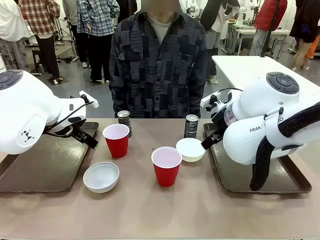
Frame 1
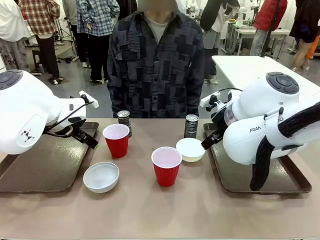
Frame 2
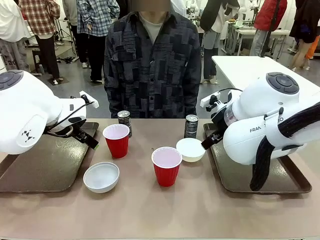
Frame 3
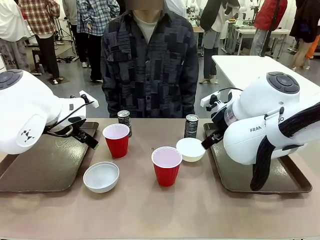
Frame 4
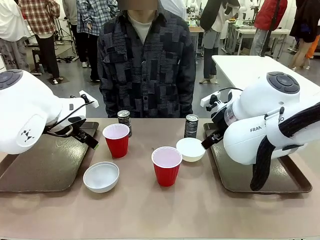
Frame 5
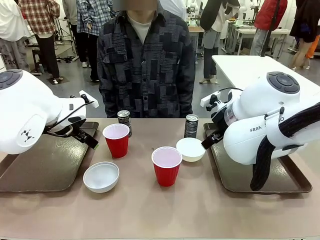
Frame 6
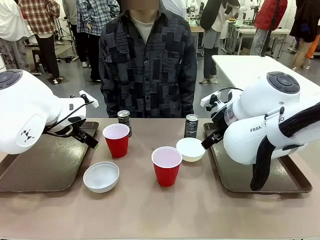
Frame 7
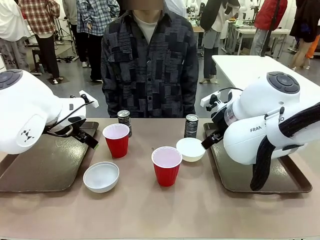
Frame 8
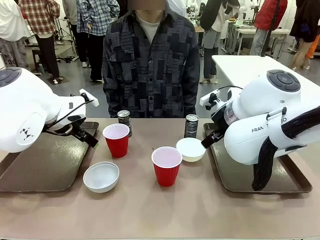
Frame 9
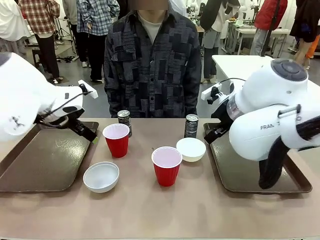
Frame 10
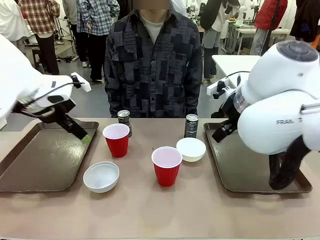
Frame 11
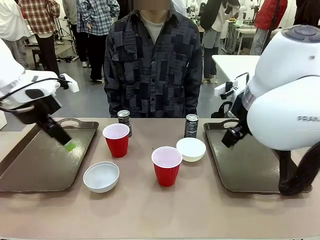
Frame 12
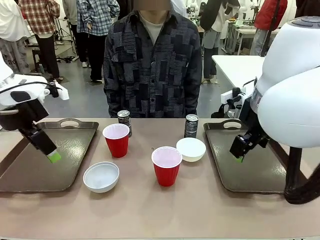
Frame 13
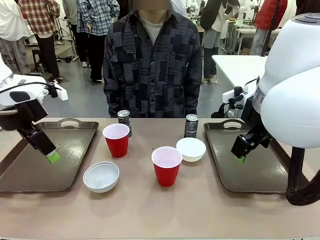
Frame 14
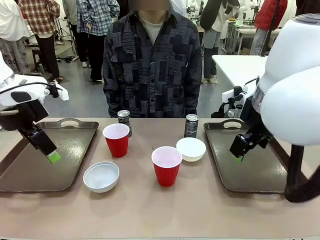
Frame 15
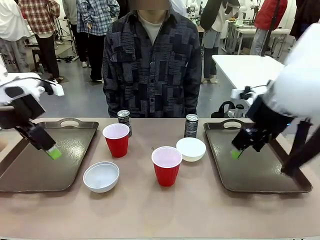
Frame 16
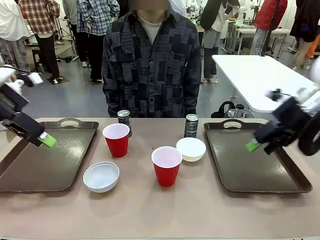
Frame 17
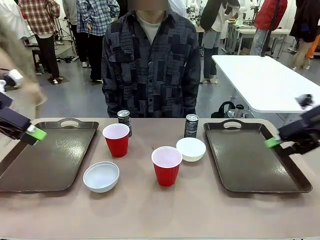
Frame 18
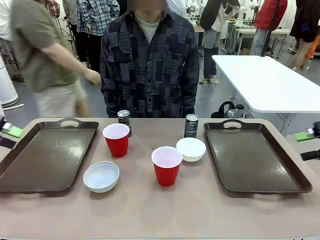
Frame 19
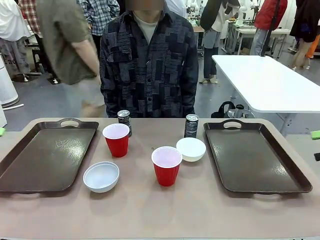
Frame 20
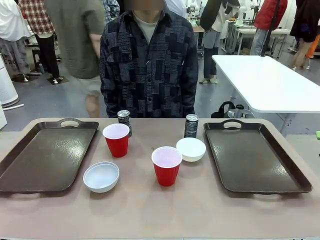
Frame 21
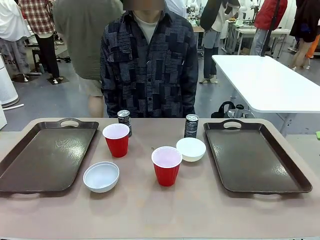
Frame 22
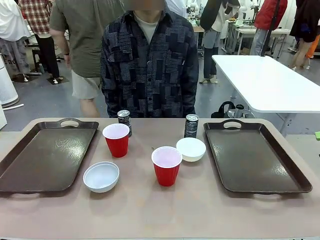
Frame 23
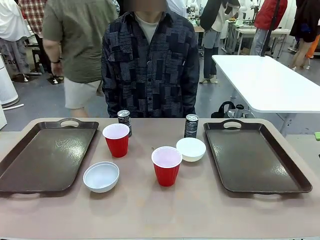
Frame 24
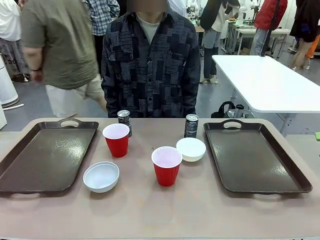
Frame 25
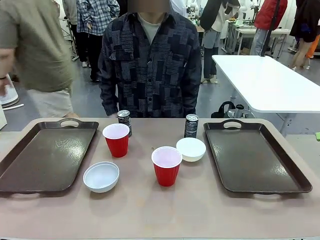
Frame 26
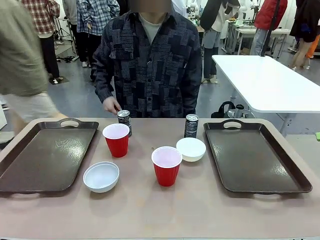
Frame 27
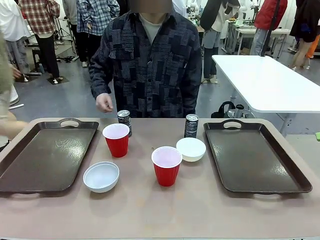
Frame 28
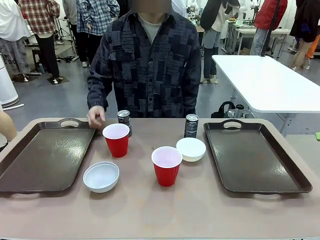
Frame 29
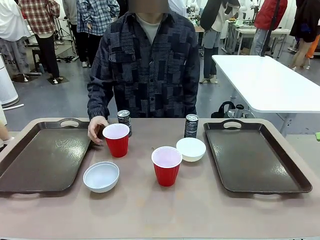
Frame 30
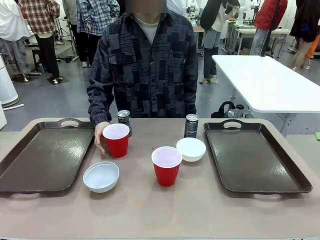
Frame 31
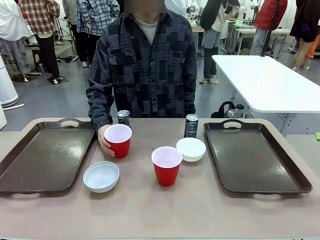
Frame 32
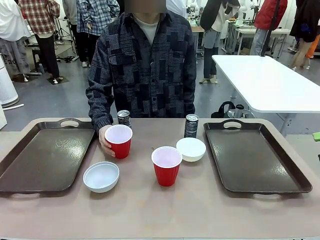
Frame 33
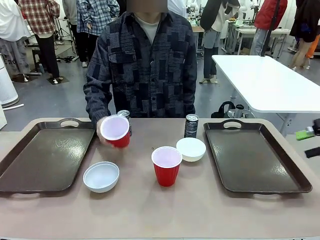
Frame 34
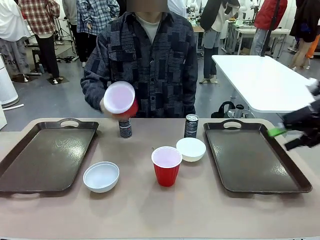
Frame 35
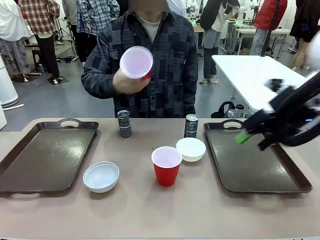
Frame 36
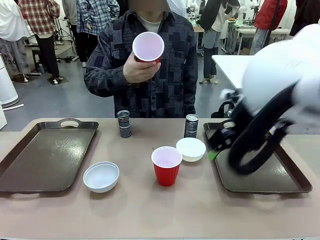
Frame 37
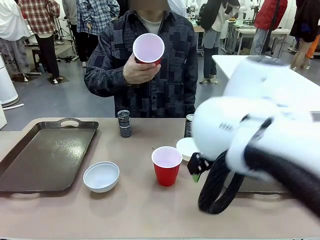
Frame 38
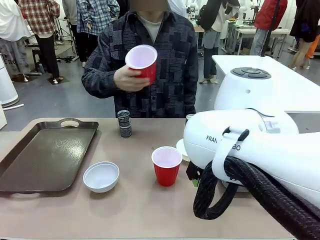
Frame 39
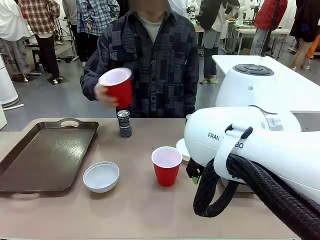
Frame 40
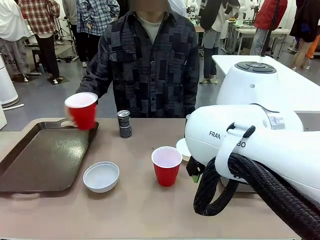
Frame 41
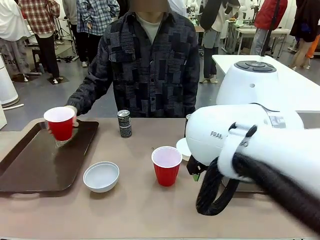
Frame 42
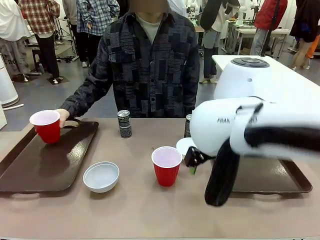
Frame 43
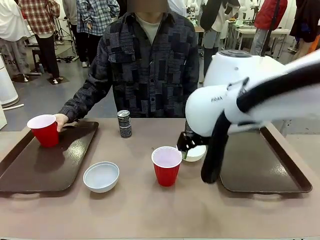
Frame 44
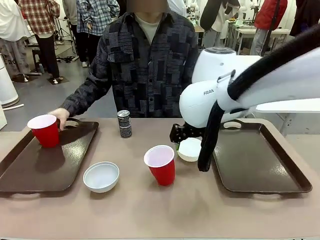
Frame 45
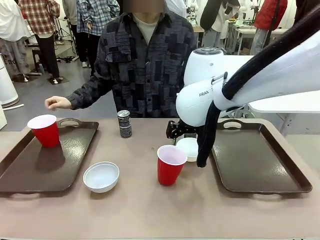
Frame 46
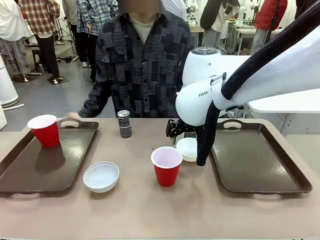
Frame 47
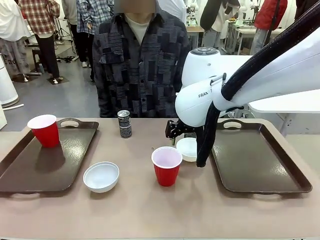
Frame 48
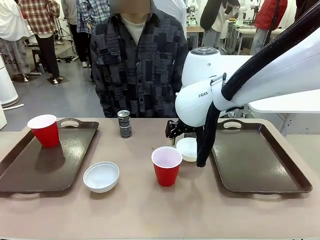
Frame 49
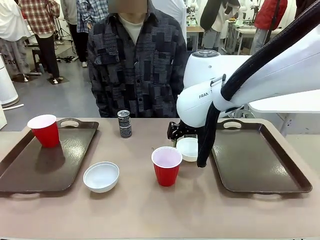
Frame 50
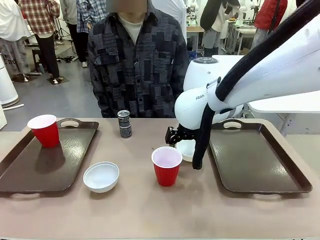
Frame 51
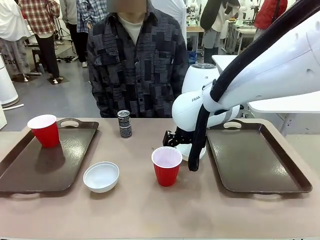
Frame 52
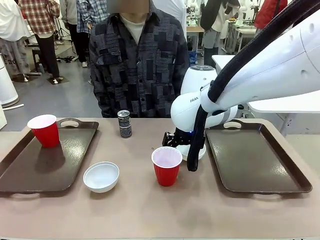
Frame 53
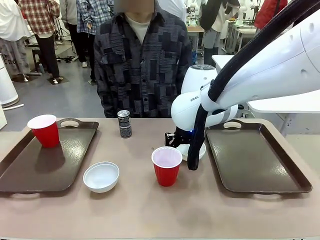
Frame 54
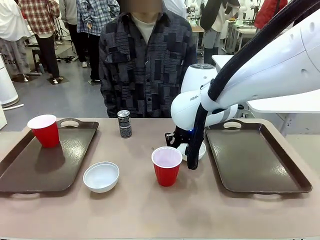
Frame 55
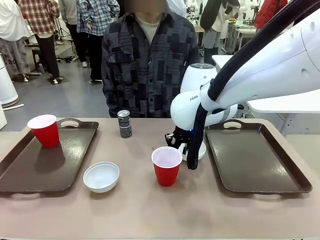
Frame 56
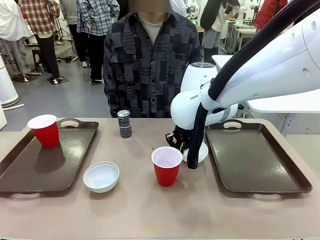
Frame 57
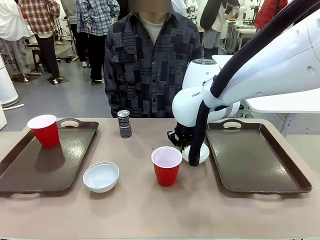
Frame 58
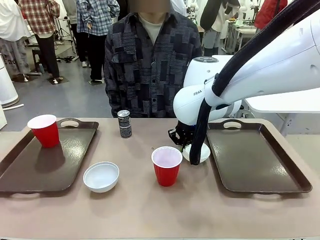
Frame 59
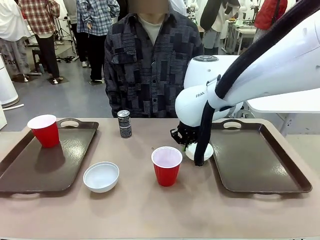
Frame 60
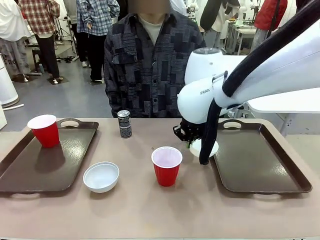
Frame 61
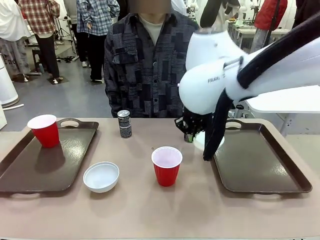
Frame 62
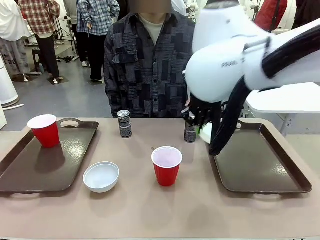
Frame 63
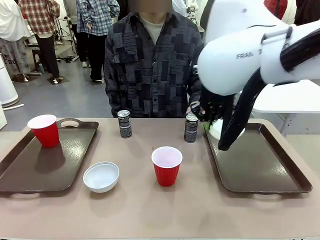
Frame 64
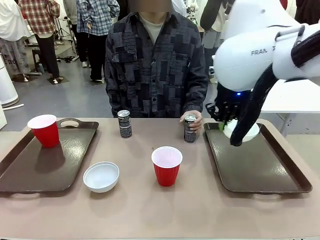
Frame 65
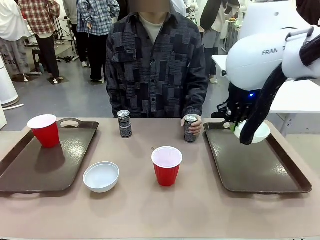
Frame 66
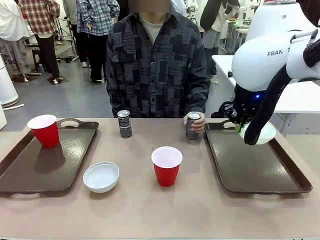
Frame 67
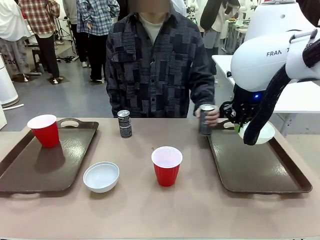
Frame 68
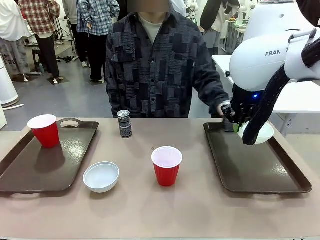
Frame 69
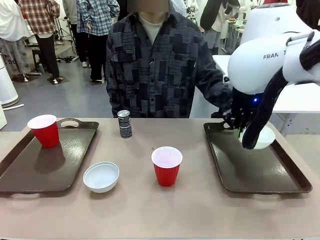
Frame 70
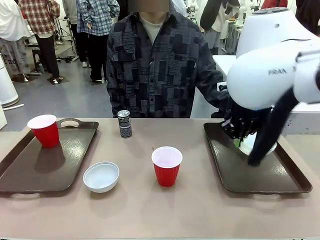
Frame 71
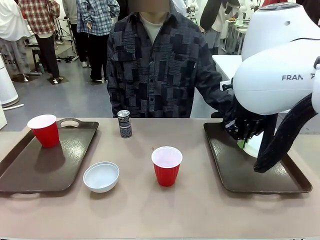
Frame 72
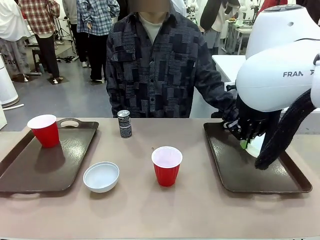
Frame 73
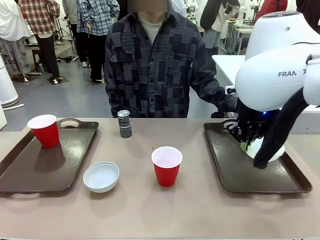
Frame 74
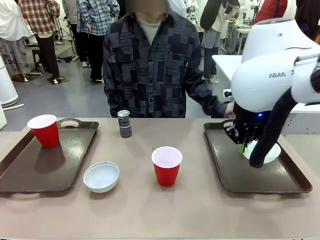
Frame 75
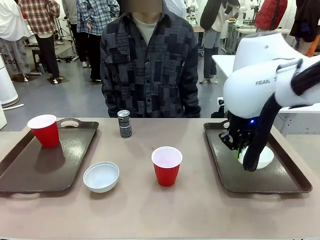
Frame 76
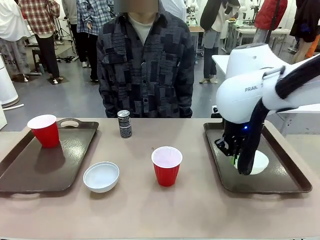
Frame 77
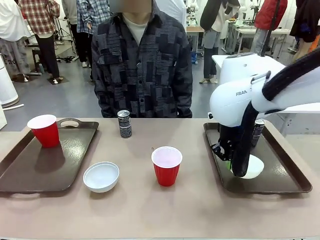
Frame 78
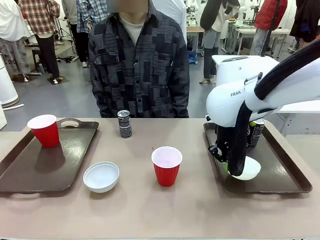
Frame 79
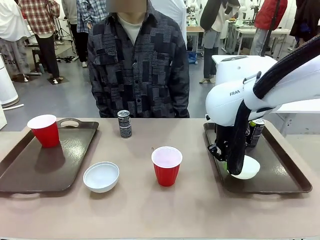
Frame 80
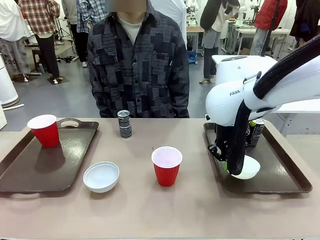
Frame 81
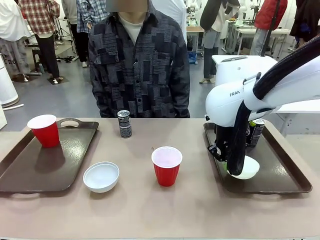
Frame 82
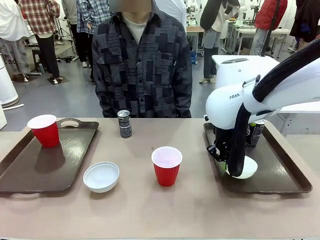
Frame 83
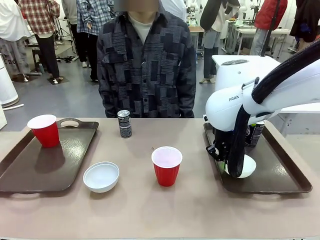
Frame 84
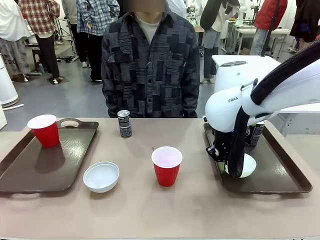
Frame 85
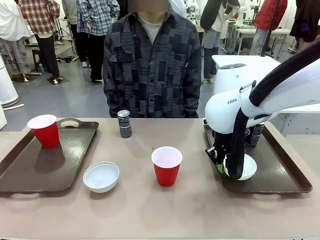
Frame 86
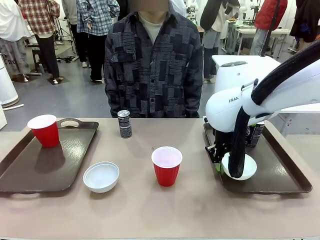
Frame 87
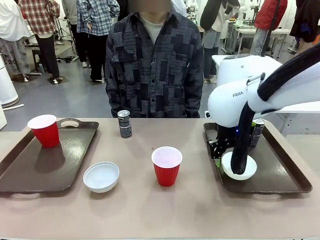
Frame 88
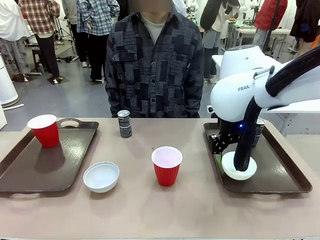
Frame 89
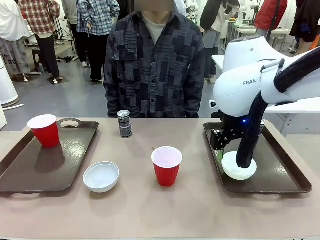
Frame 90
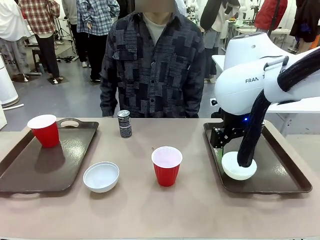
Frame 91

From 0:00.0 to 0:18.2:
Task: Prepare tableware on both trays.
Robot: Pick up a Picnic Bowl from the table and place it on a Handle tray.
Person: Pick up a can or cup and place it on the tray.
